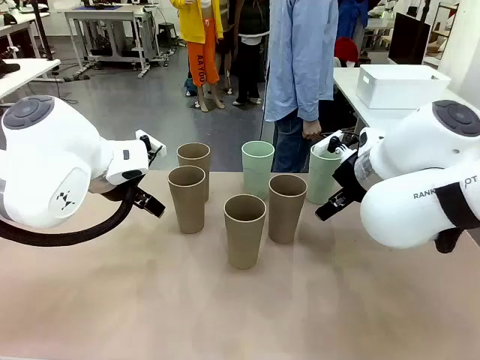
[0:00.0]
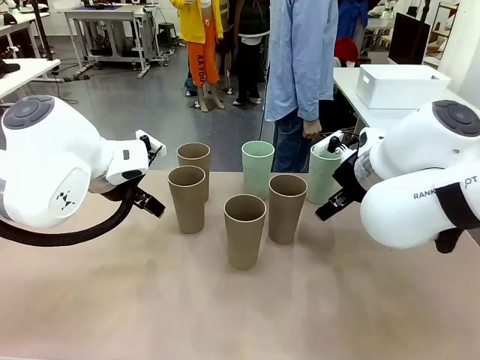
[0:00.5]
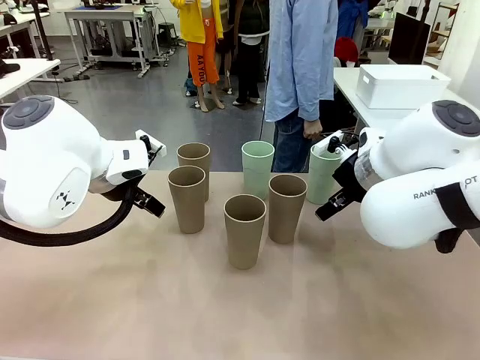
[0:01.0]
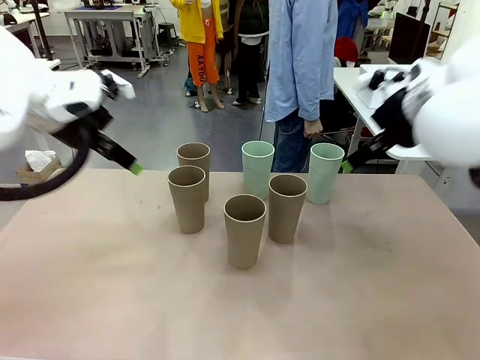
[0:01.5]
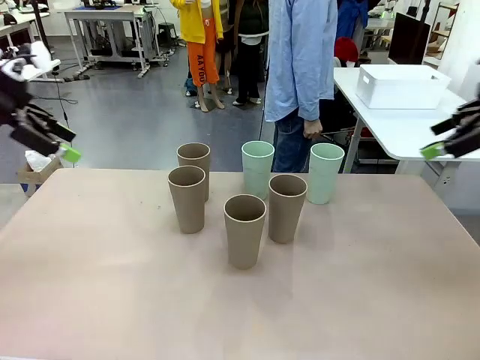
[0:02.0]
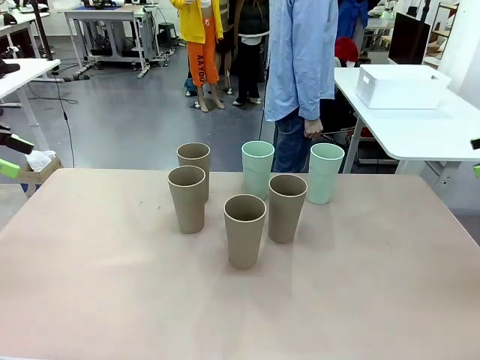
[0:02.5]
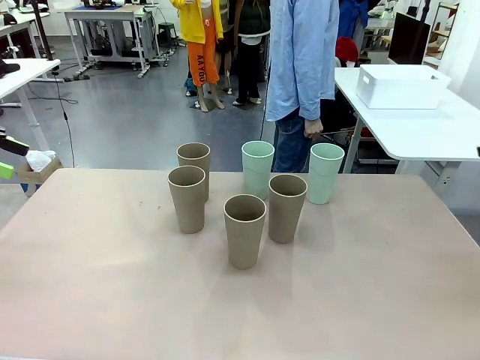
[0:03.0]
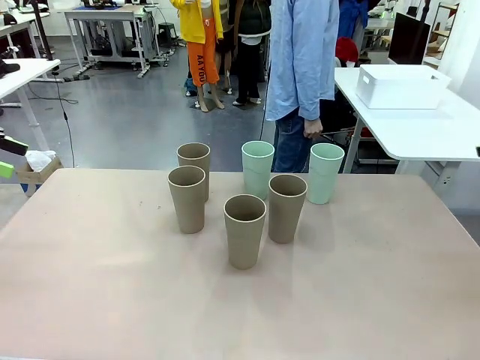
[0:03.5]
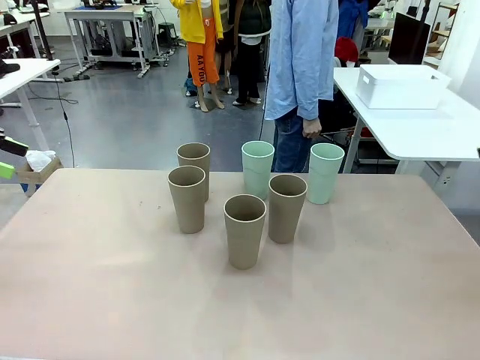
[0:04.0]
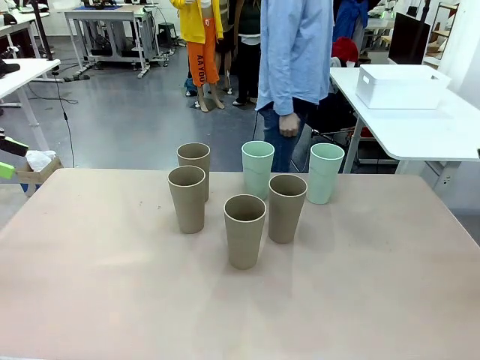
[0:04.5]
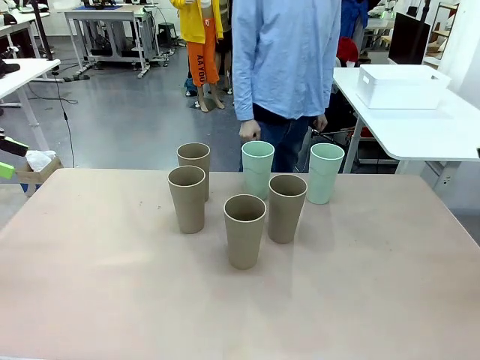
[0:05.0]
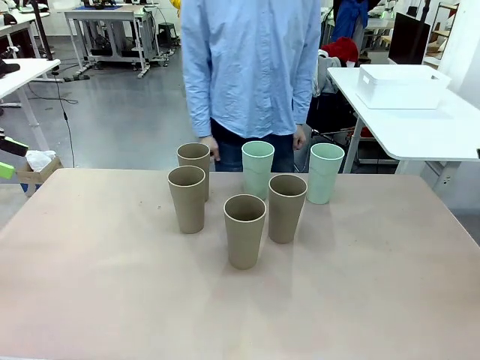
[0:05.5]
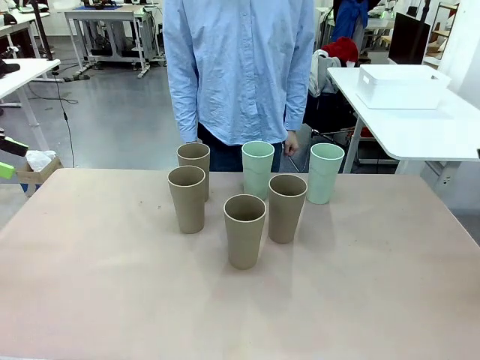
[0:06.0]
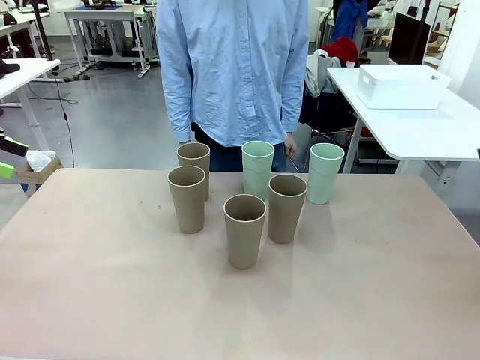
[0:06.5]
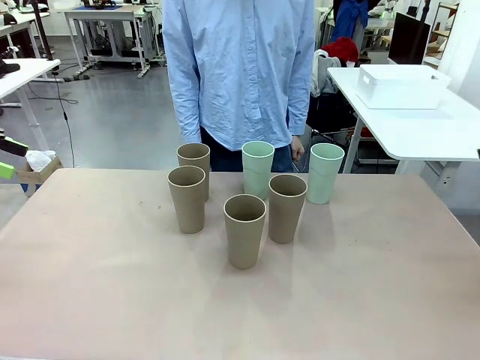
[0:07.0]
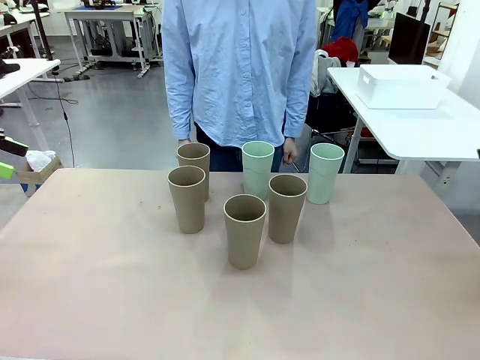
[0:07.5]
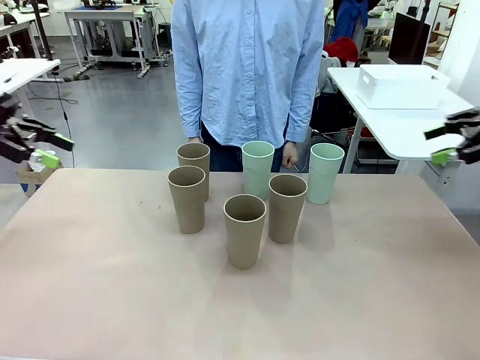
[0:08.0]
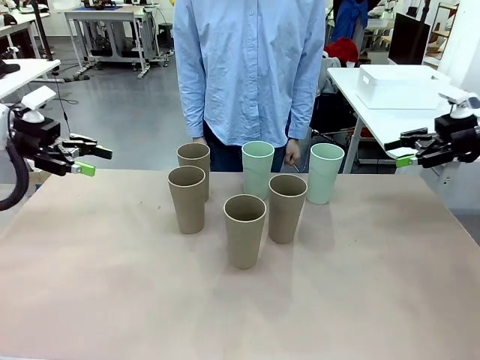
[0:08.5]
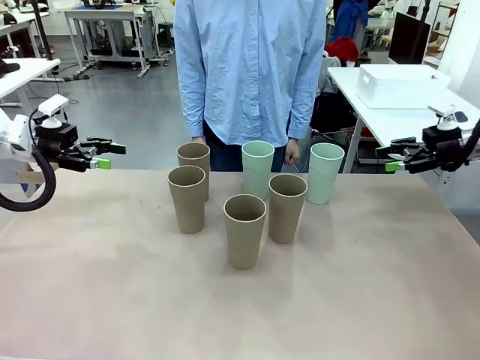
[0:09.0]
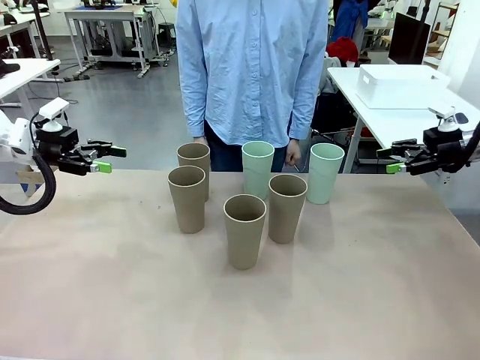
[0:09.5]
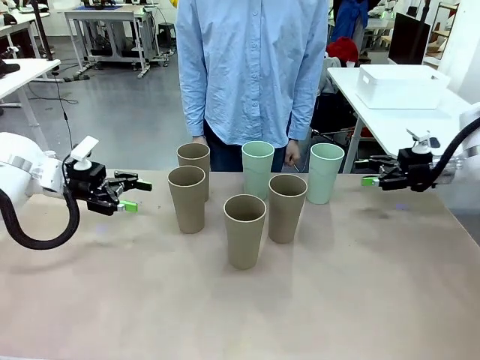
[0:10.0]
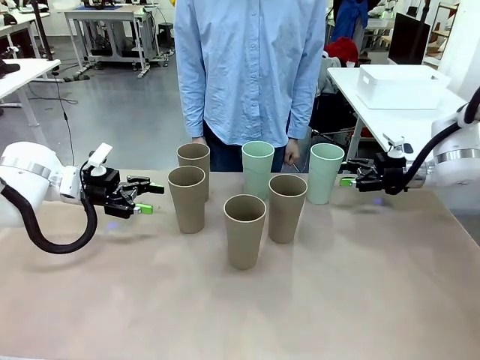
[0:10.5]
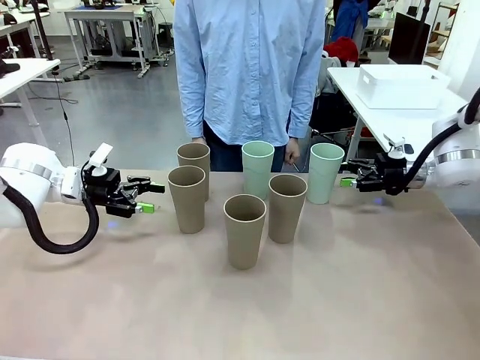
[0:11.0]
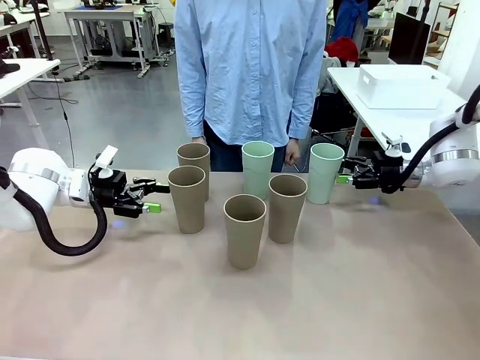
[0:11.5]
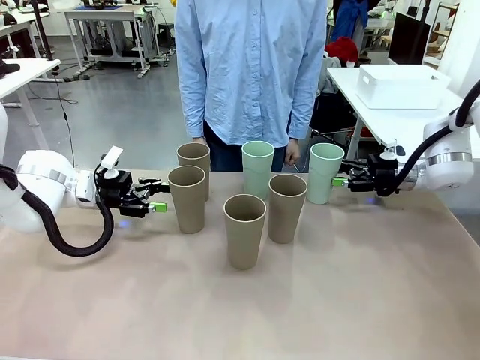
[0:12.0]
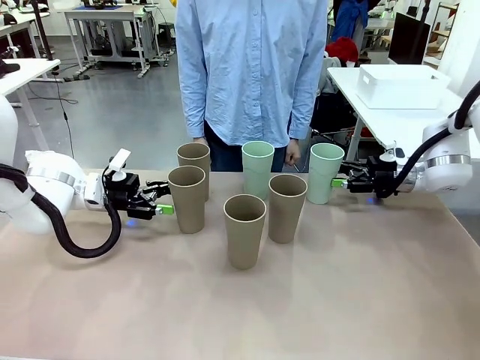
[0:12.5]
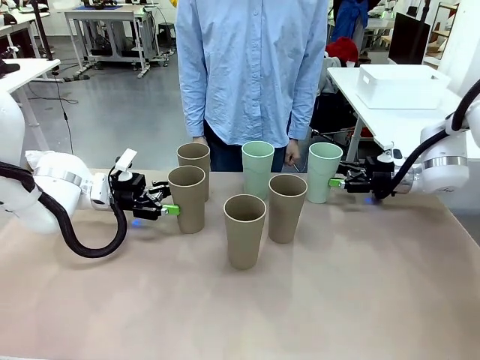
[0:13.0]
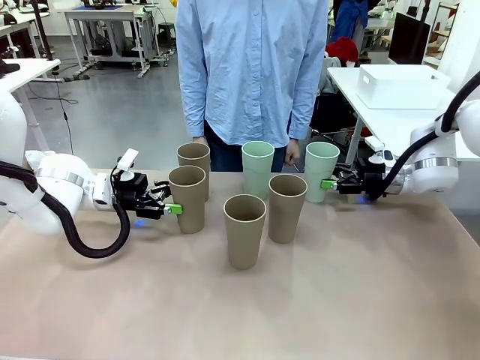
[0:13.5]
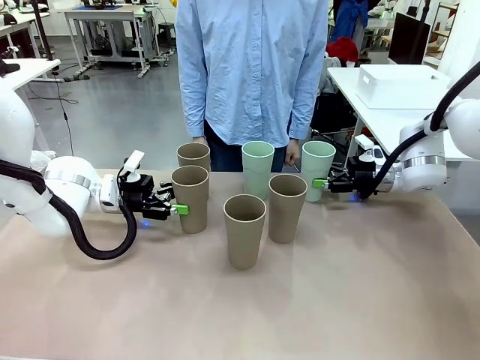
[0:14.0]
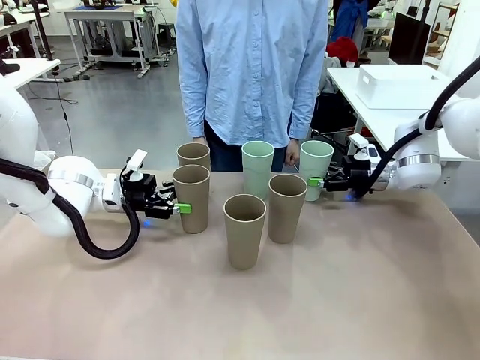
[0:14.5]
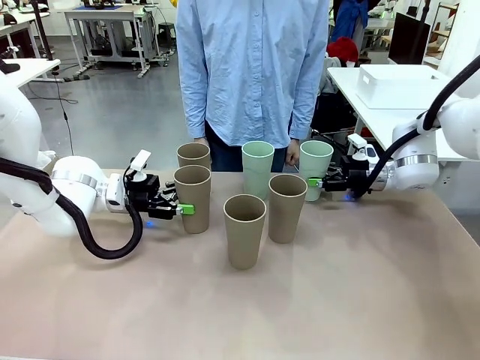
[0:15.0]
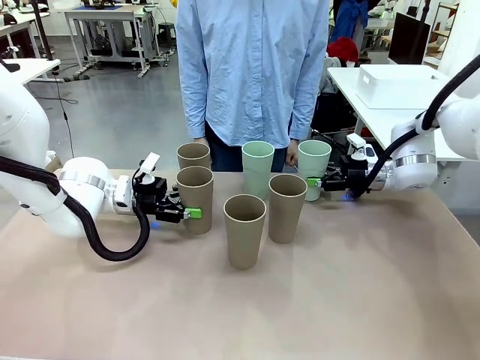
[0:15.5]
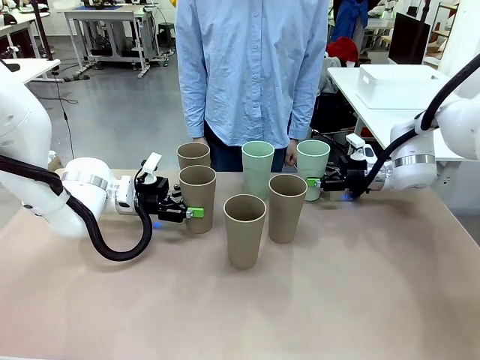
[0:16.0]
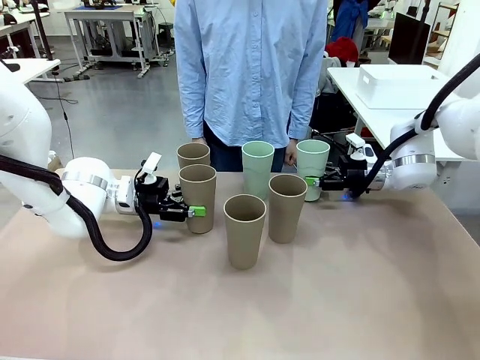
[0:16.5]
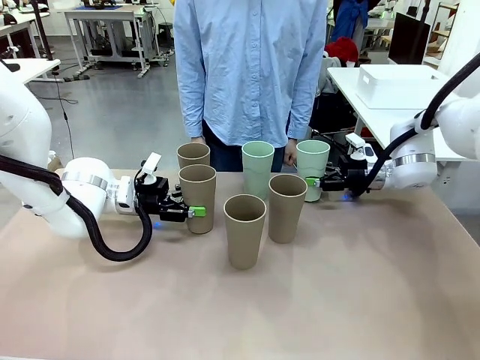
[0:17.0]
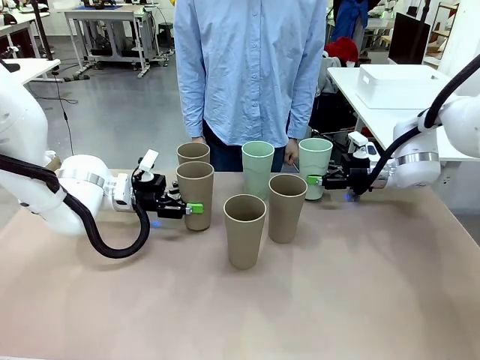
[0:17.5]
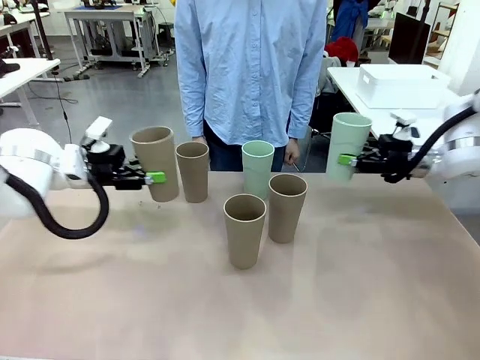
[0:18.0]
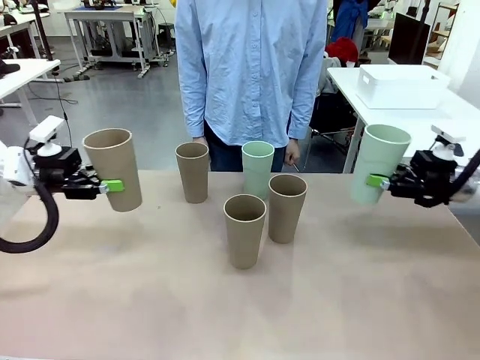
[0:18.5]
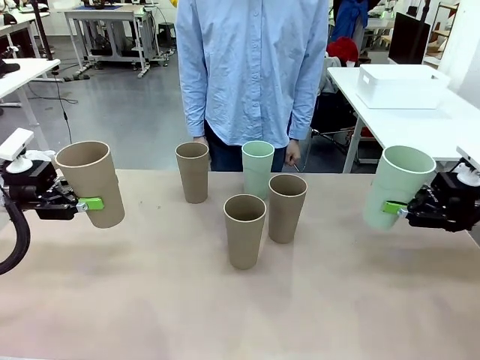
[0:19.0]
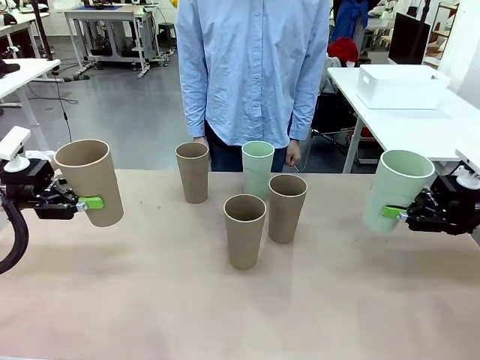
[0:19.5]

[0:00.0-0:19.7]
Task: Stack the cups and store them in the basket.
Robot: Pick up two Reusable plastic cups , one in each hand.
Person: Move from the Human Table to the front of the Robot Table. Stack two of the remaining cups on top of each cup held by the robot.
